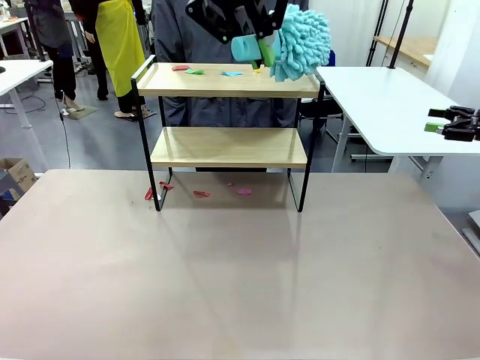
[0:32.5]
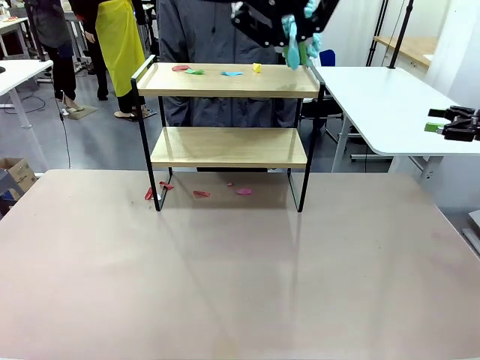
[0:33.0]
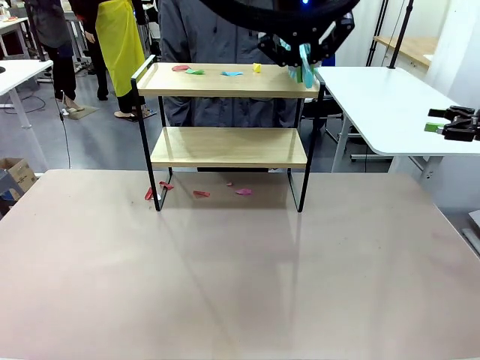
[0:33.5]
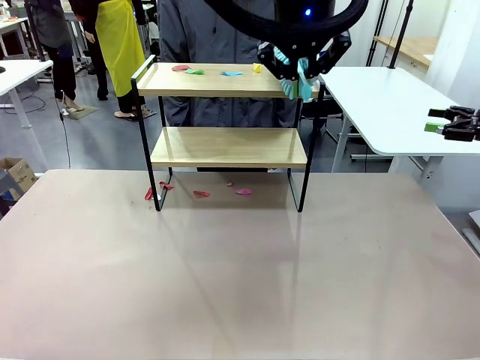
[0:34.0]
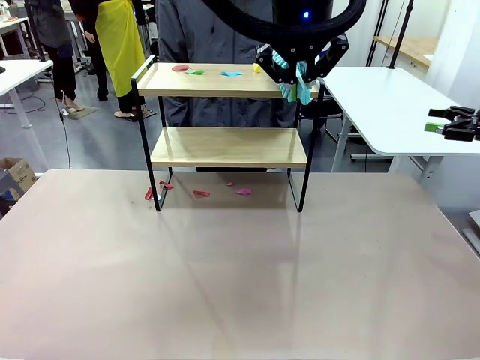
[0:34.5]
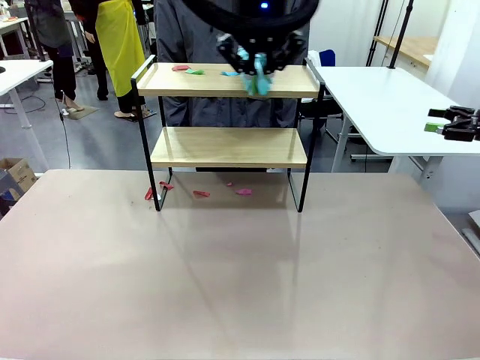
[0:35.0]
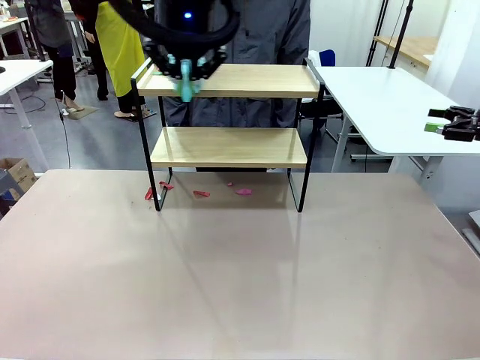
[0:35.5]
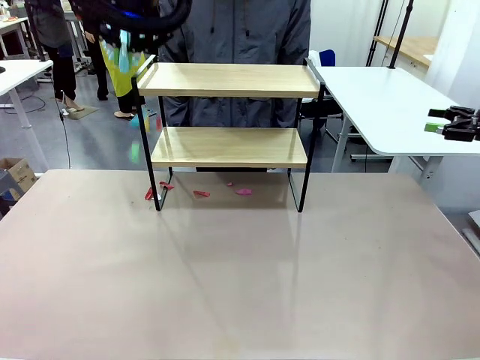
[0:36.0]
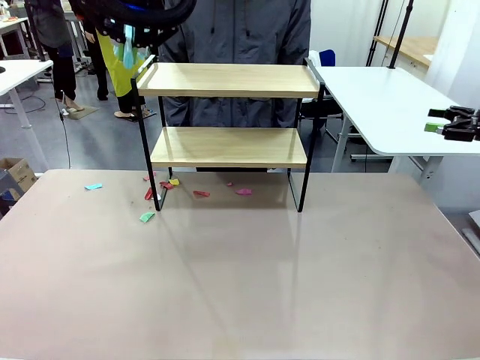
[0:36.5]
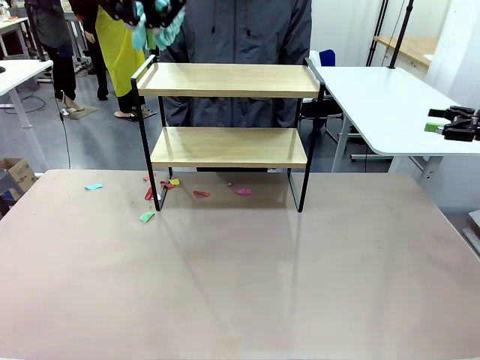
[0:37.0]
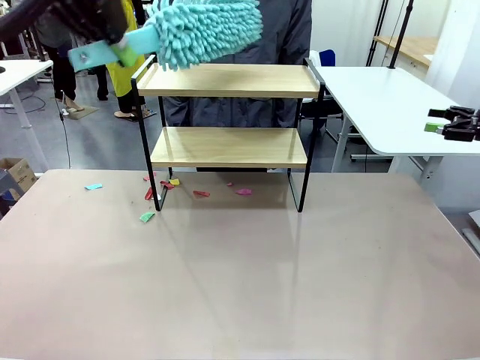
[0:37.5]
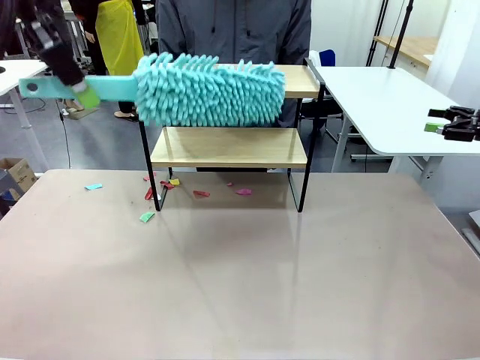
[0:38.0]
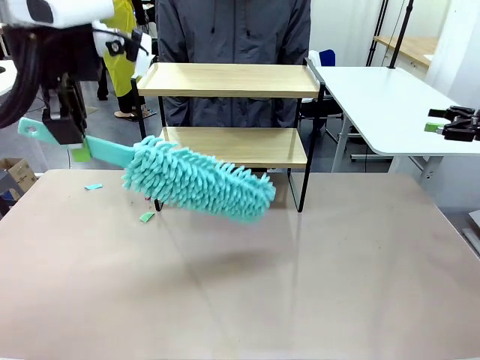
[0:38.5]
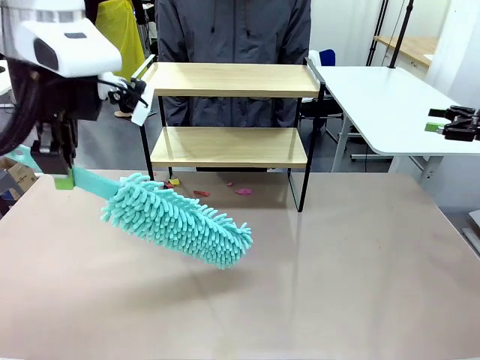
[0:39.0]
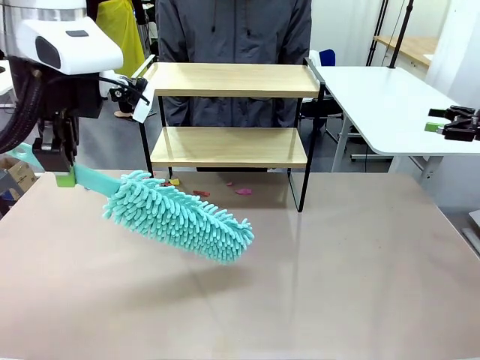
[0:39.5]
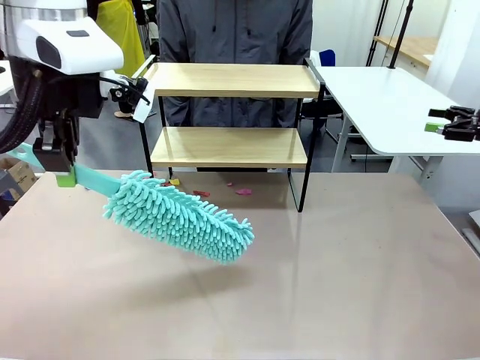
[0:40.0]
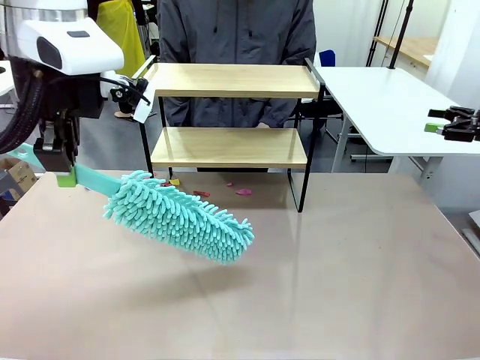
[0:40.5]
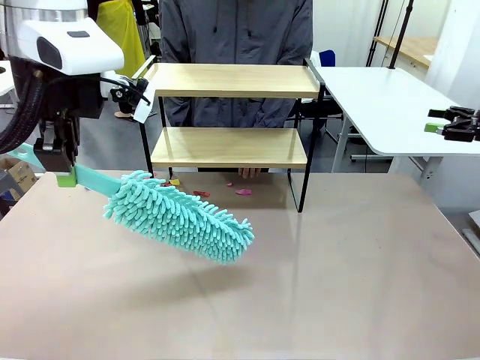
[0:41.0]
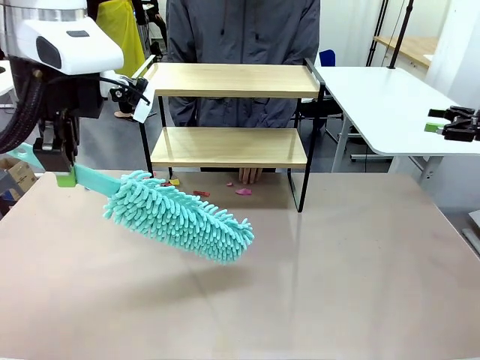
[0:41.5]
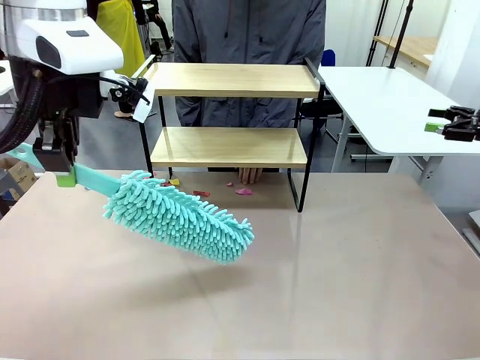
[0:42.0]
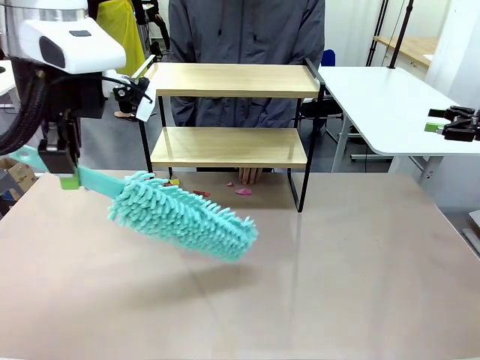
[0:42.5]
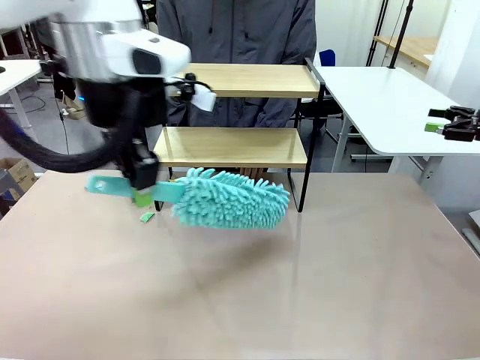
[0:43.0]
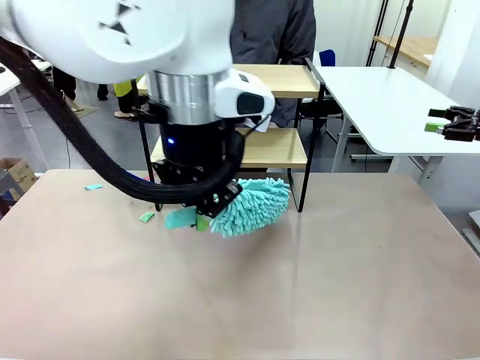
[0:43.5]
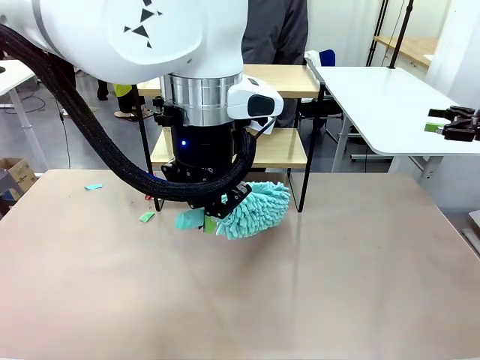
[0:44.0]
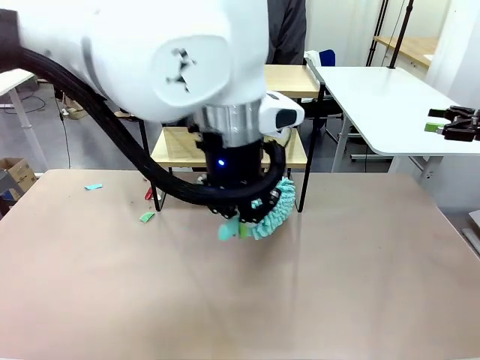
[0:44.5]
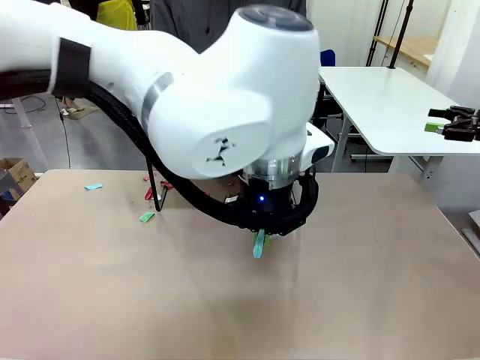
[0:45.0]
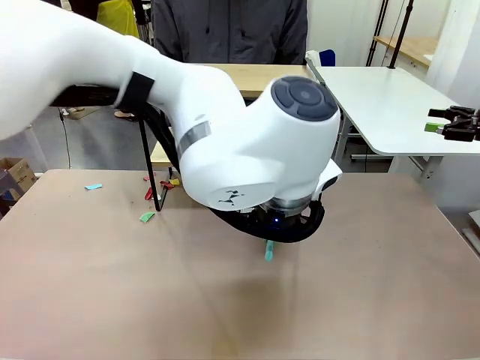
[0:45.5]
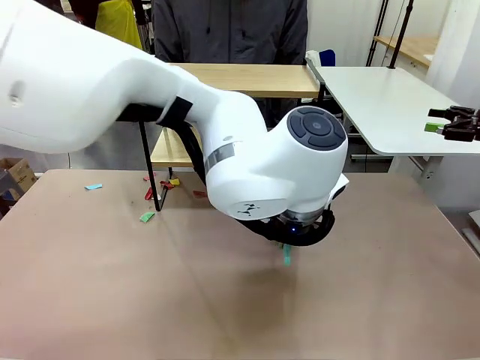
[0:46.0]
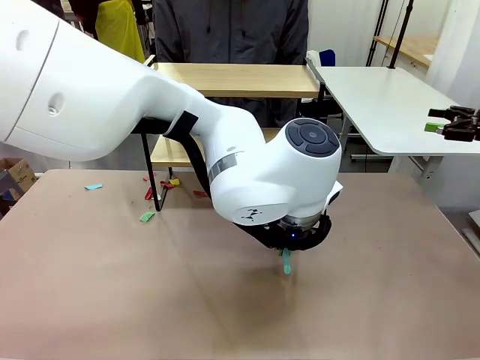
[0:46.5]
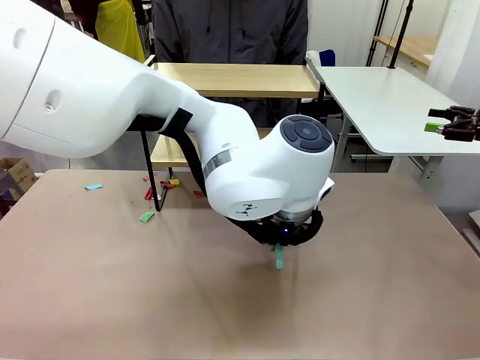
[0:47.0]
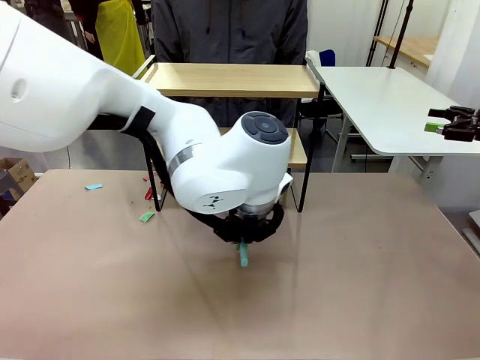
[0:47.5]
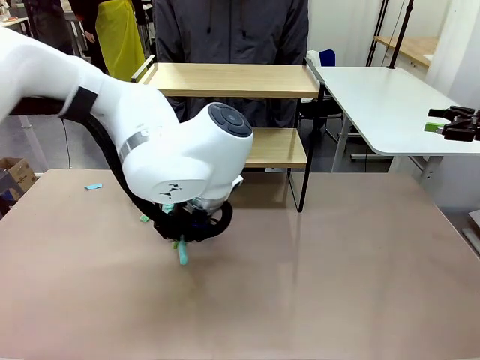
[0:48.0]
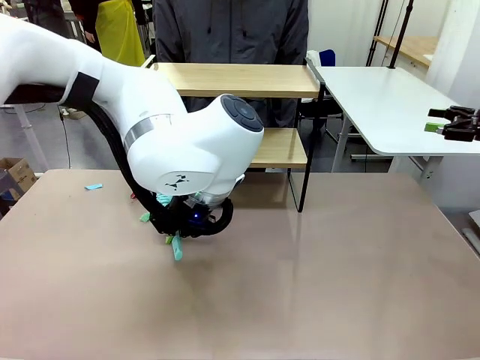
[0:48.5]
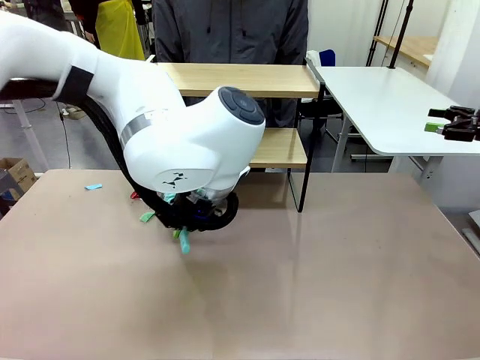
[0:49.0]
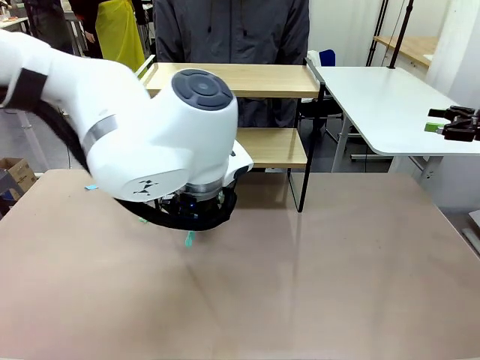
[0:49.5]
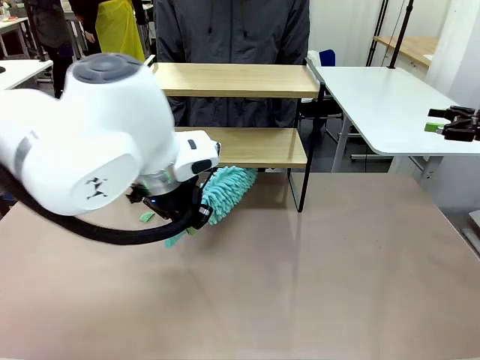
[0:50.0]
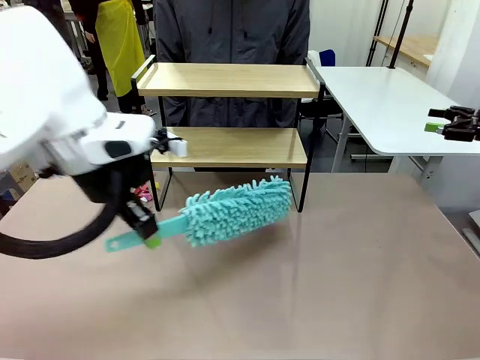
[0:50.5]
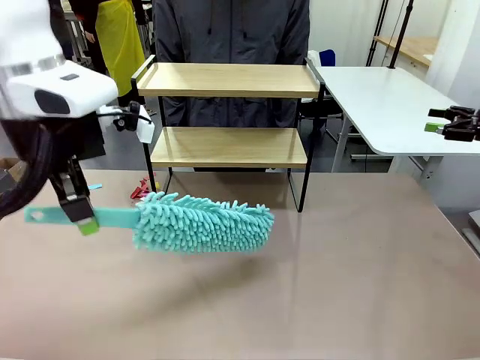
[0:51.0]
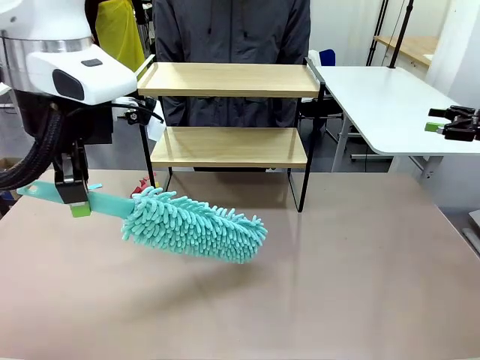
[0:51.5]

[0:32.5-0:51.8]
Task: Clean the shelf.
Robot: Clean the specific section of the Shelf indicated by the human with the Duster.
Person: Point a remaining section of the Shelf.
